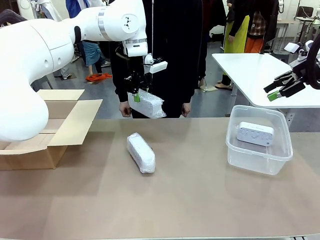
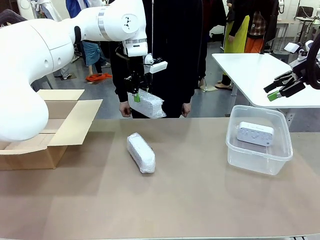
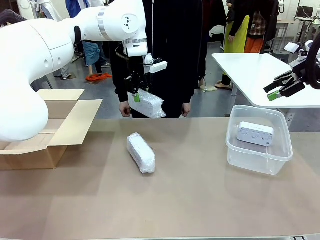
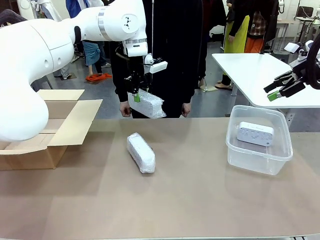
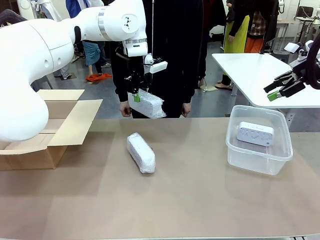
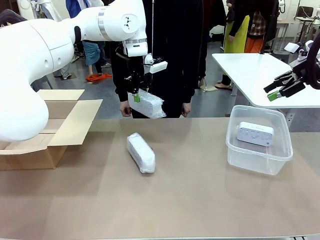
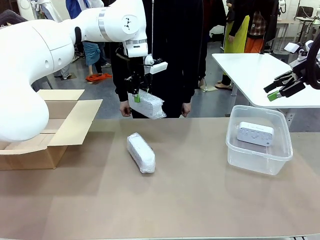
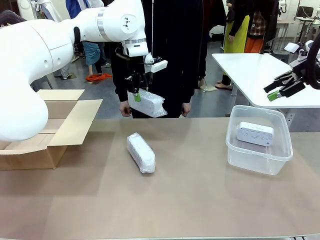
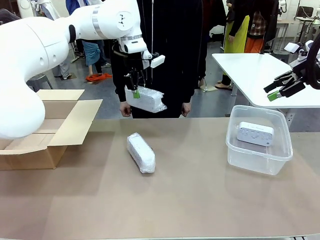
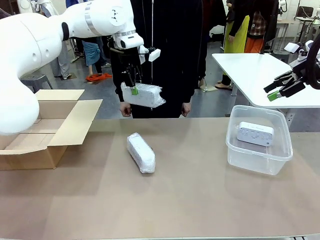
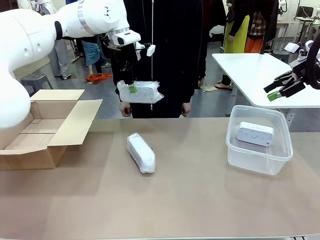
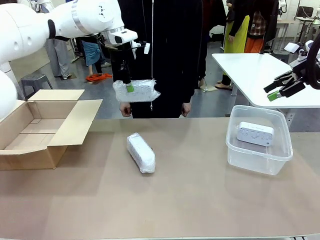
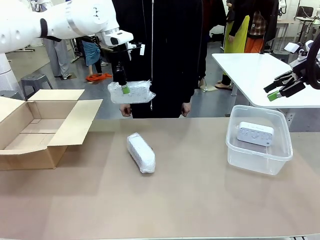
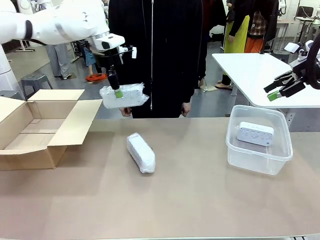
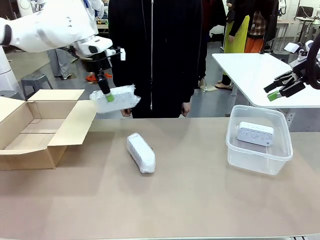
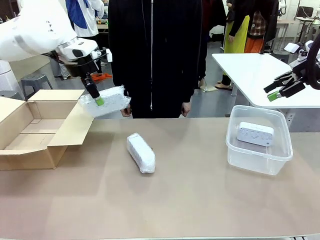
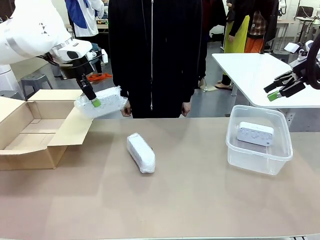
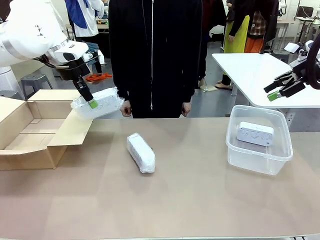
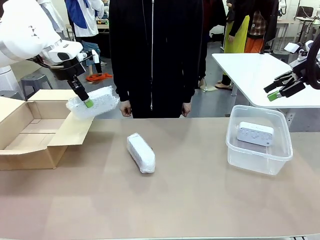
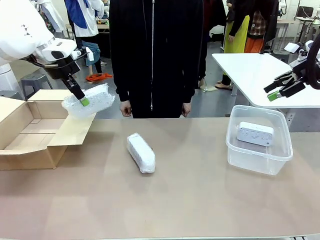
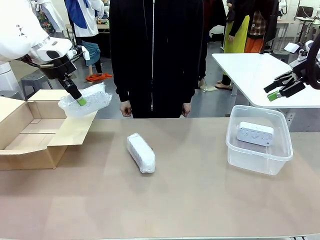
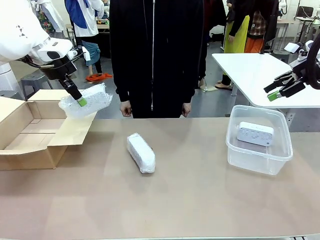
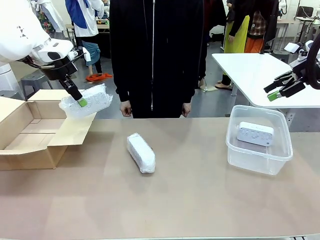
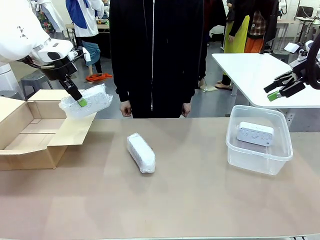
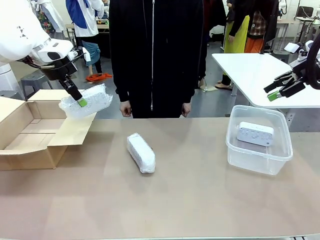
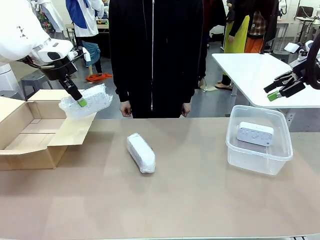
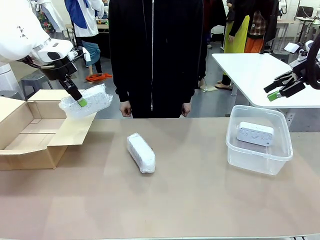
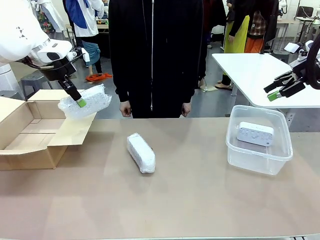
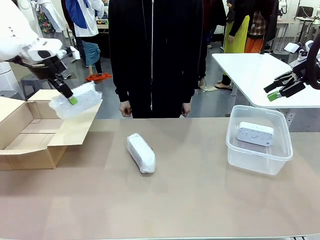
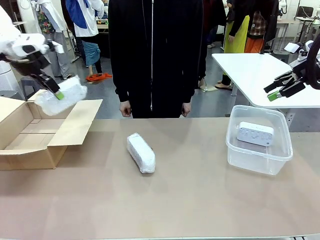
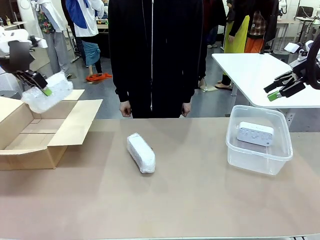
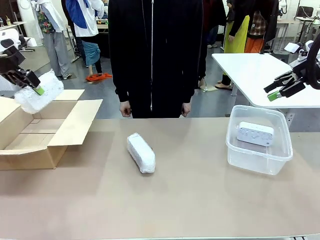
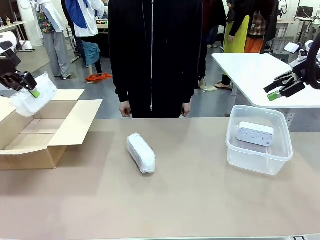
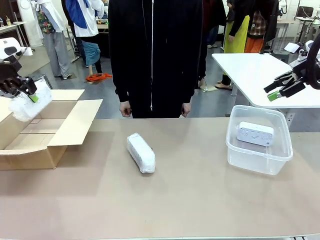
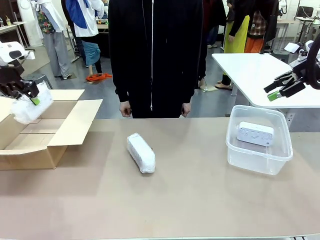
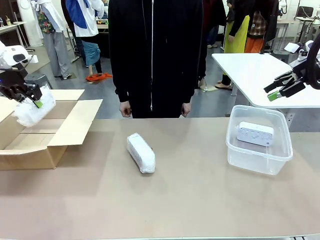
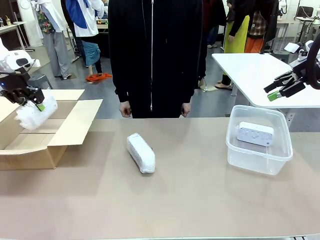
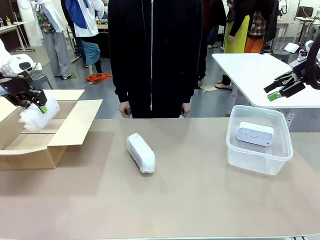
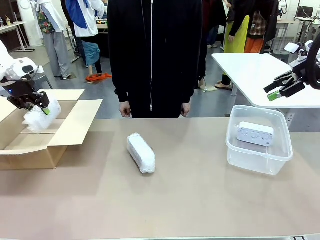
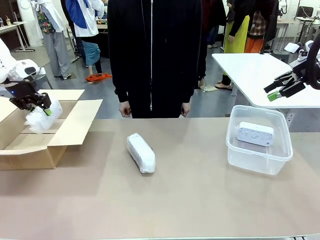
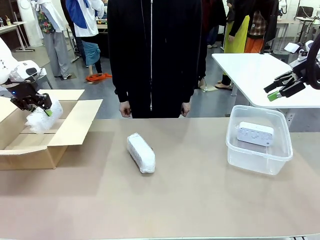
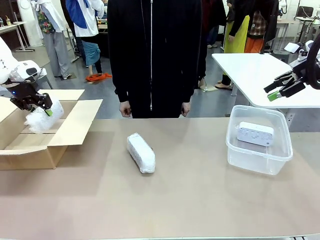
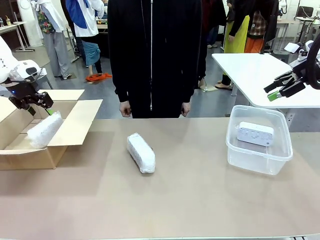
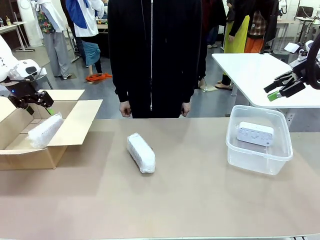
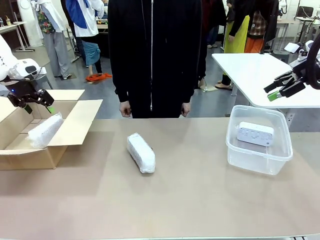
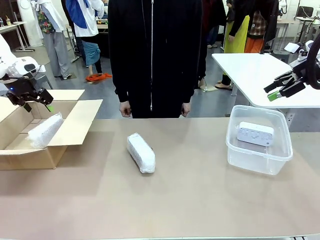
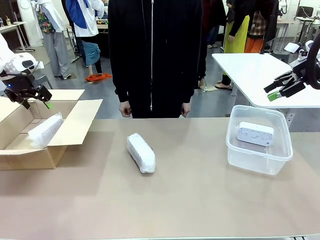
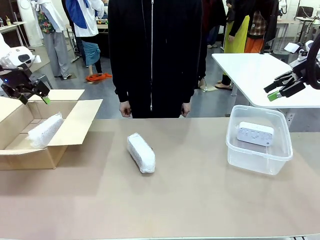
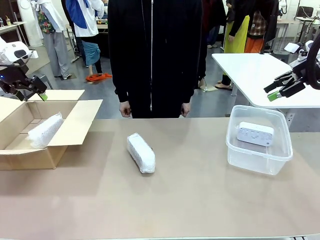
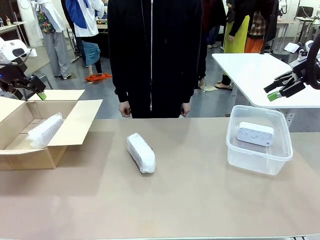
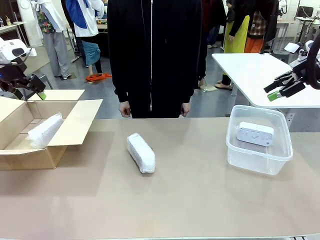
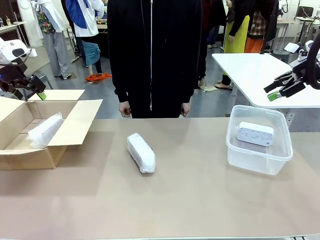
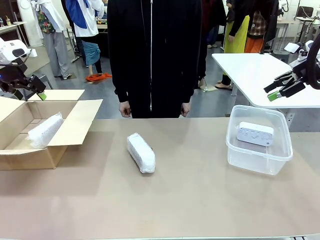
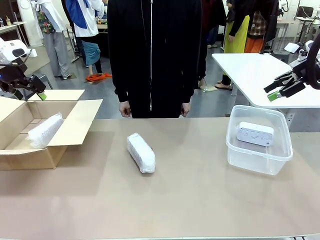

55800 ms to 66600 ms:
Task: Separate and place wrapped and unwrapped clocks.
Robot: If the picked Digital clock is wrapped, place it in the Package Box ; if not, place it in the Organizing box.

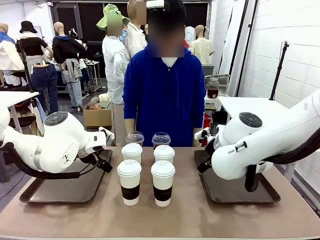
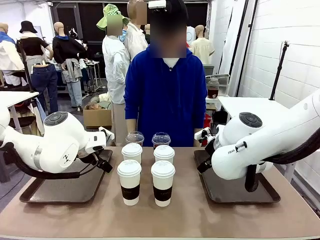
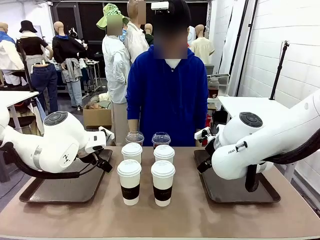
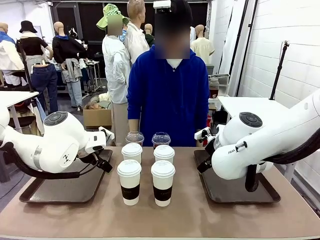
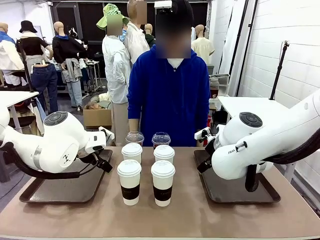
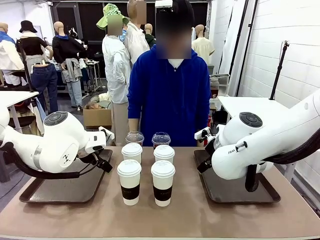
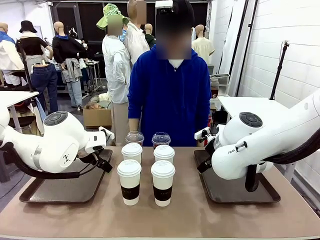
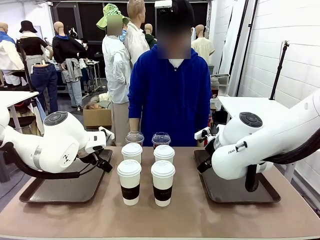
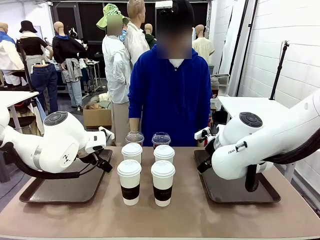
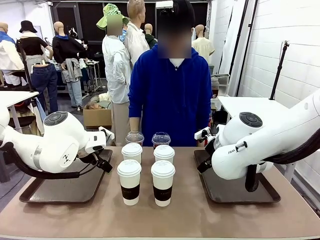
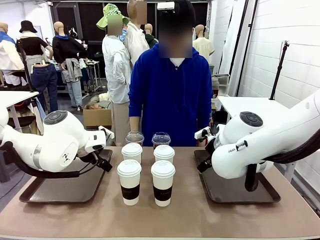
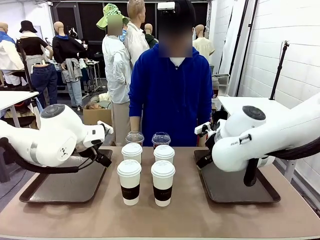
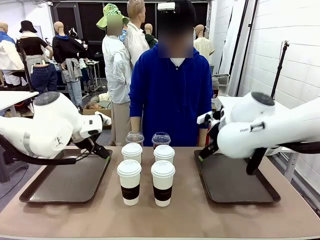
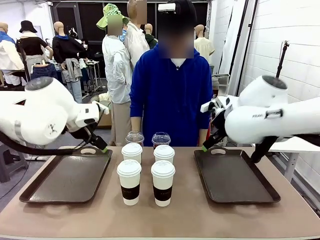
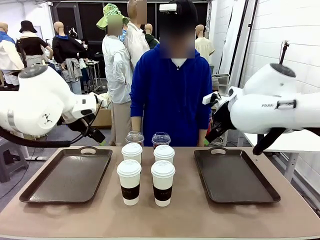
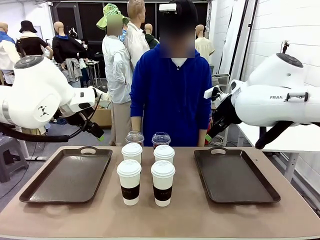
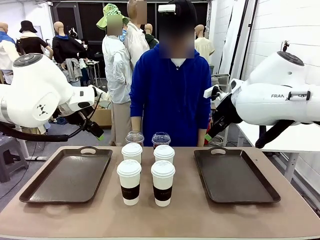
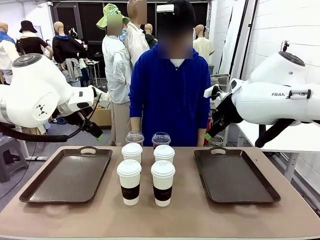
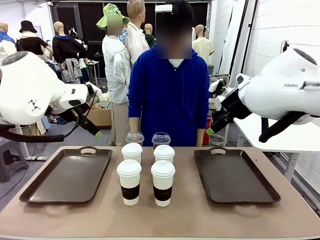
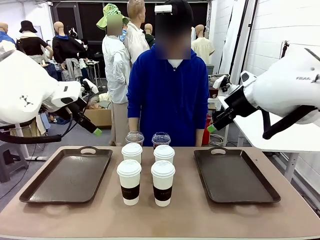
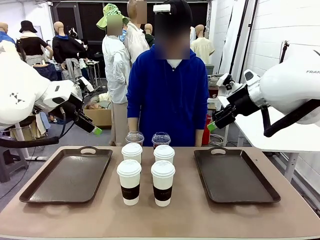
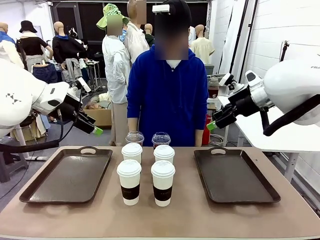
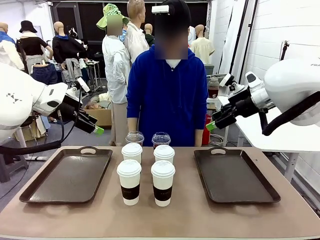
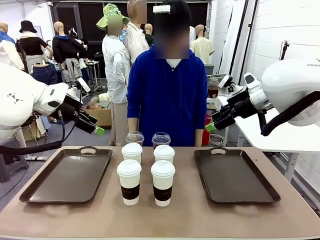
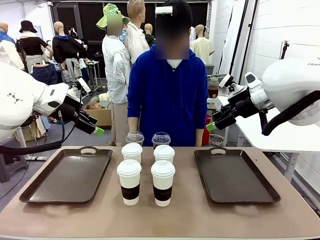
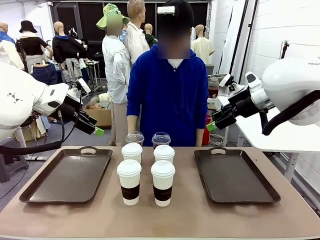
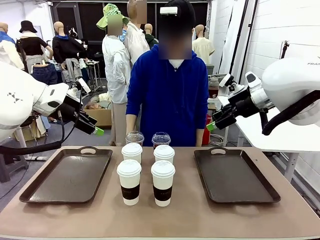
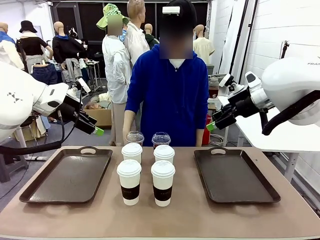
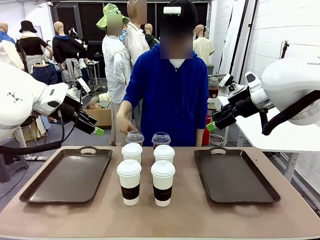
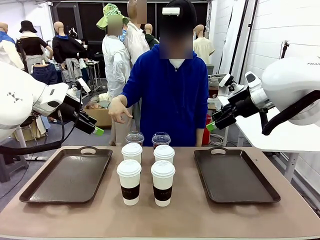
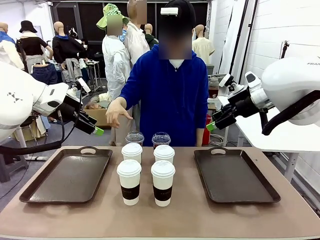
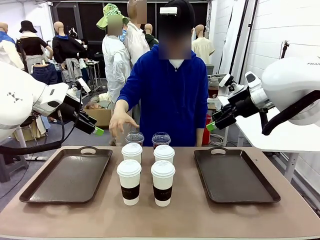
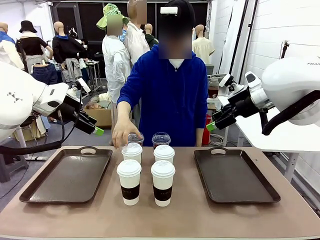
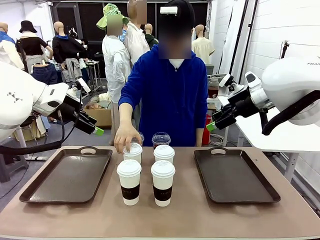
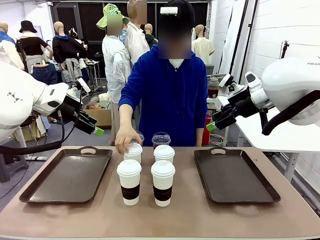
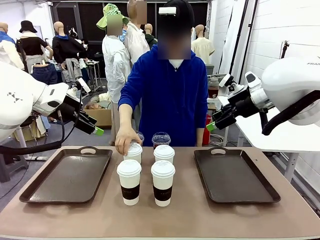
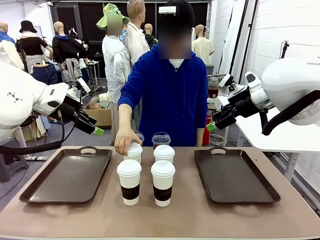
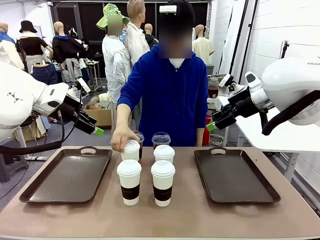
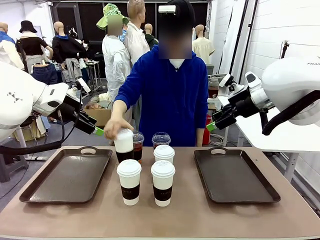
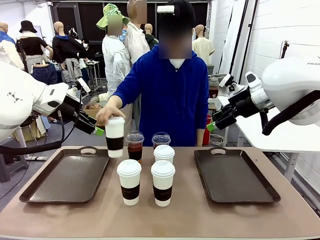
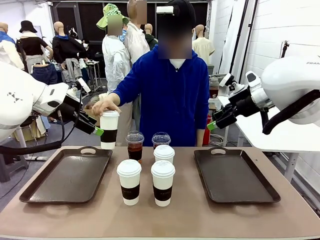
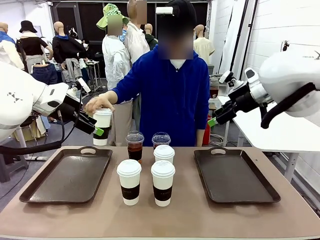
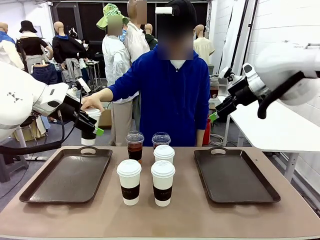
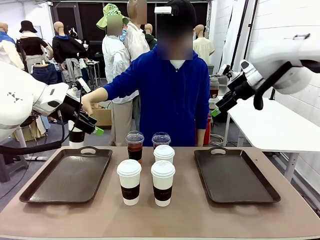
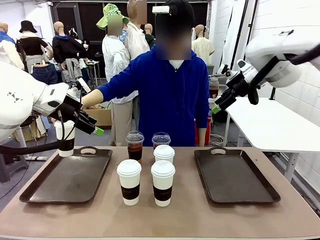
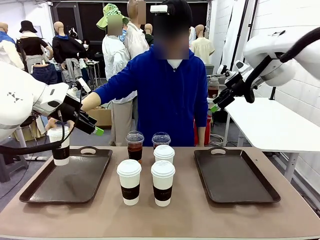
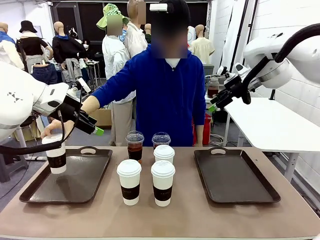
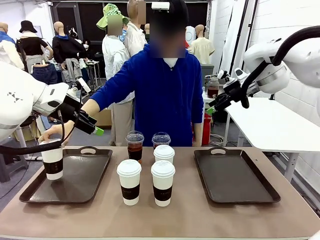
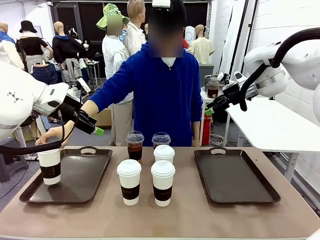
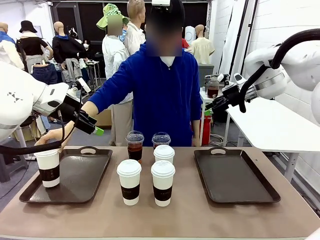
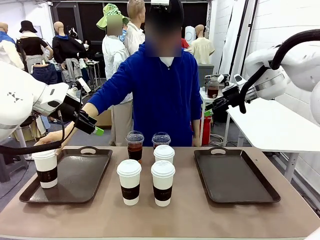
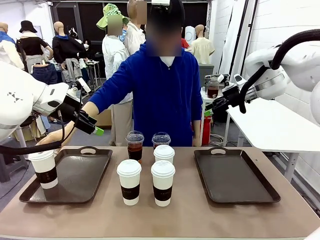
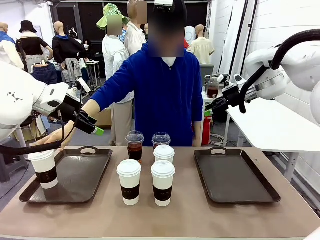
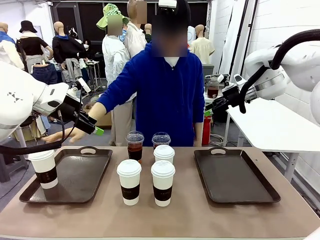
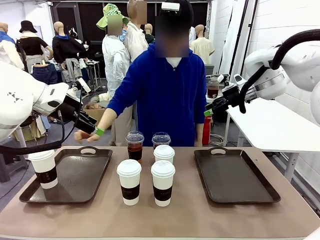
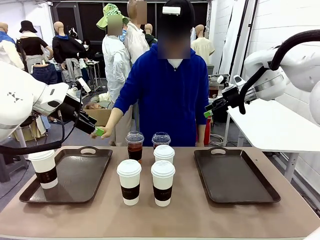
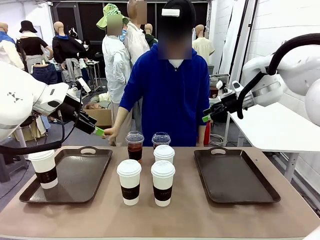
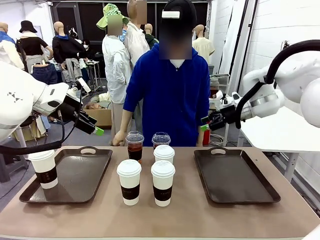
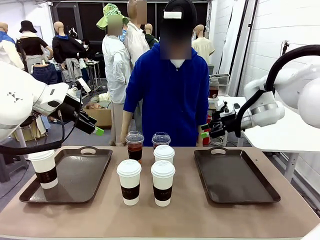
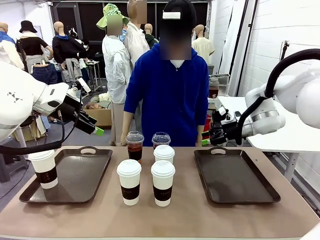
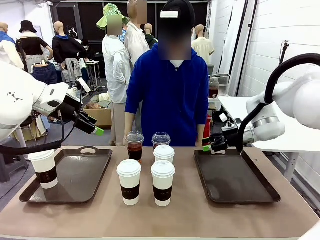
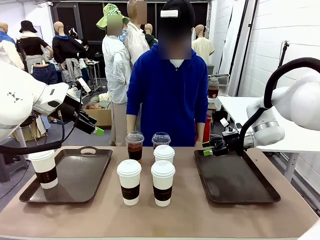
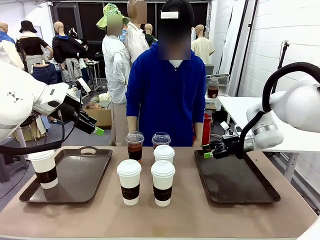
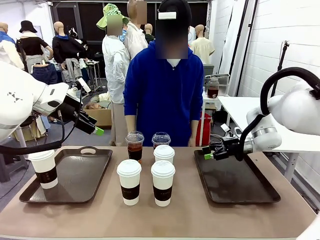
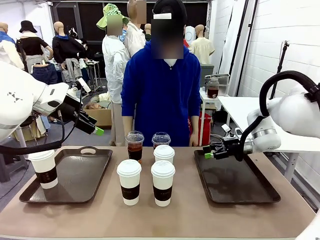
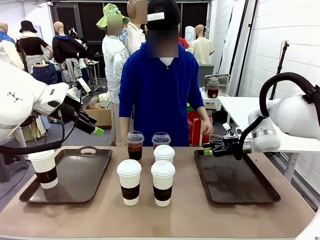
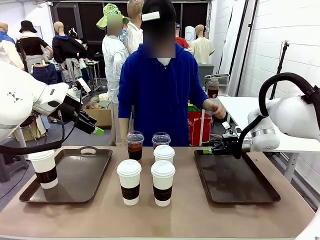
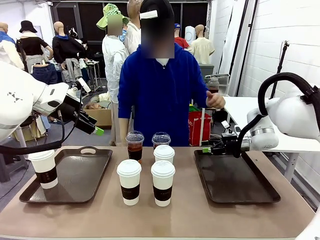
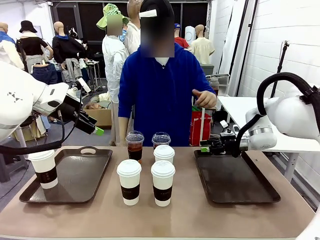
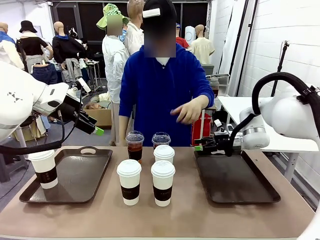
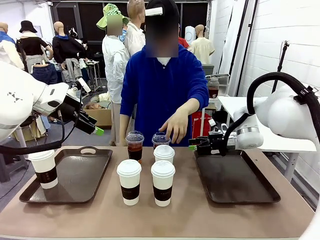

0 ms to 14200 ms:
Task: Distribute the coffee onto the tray.
Robot: Pick up one iced Americano and place it on the right Handle tray.
Person: Pick up a cup of hot Americano and place it on the right tray.
